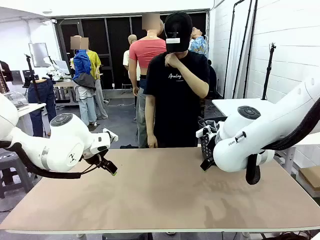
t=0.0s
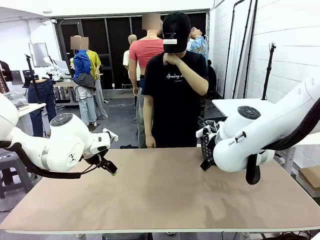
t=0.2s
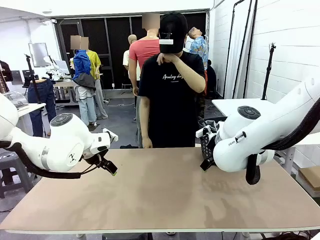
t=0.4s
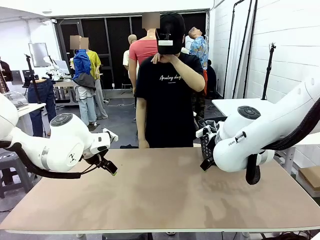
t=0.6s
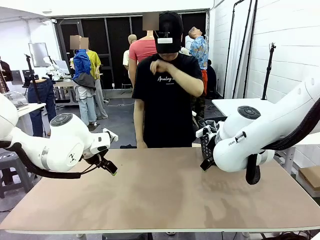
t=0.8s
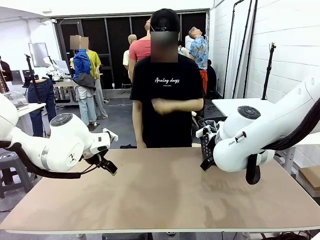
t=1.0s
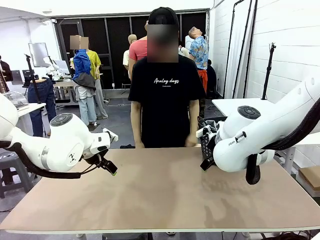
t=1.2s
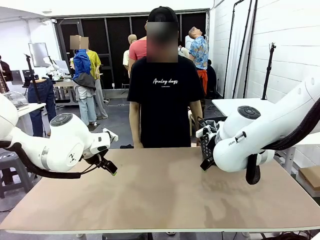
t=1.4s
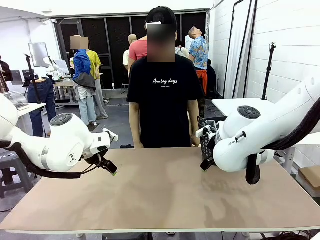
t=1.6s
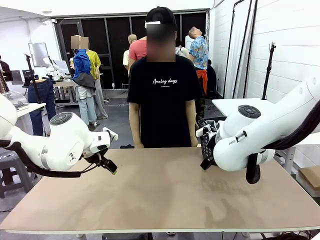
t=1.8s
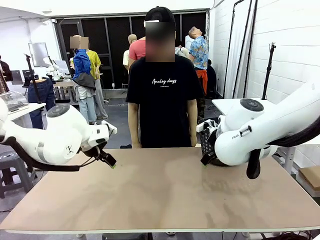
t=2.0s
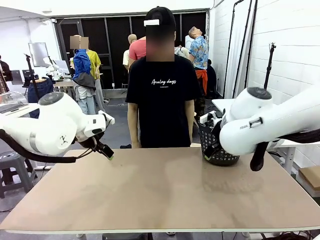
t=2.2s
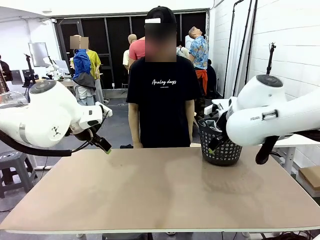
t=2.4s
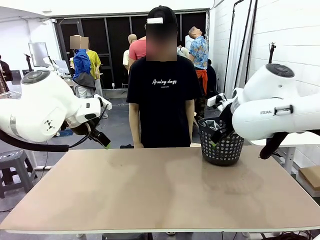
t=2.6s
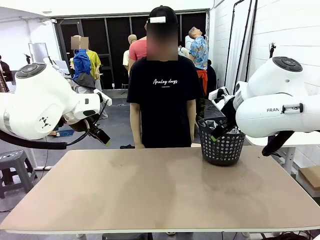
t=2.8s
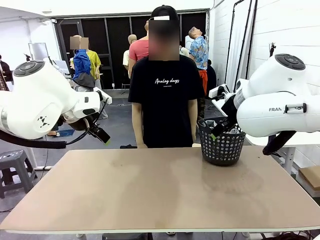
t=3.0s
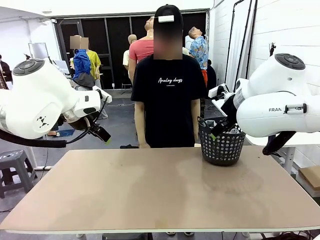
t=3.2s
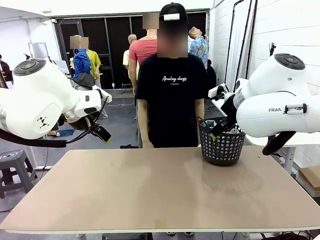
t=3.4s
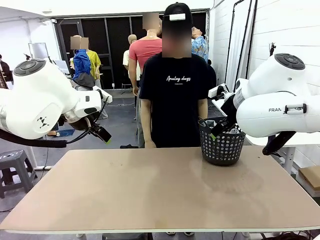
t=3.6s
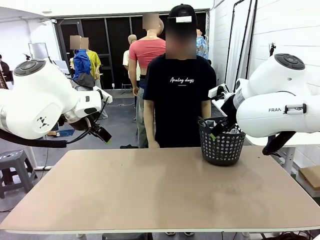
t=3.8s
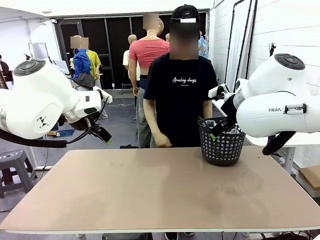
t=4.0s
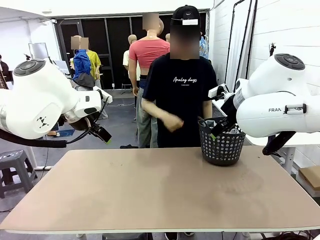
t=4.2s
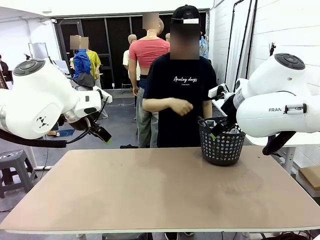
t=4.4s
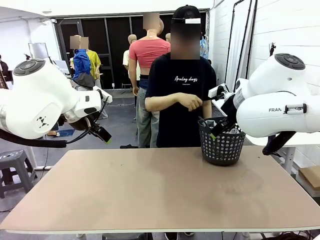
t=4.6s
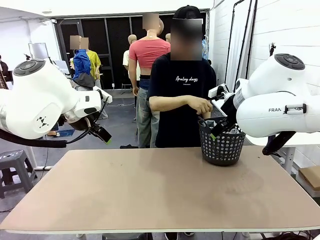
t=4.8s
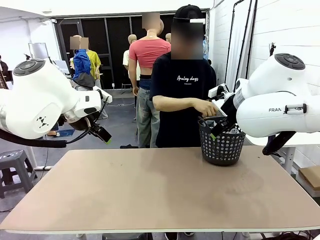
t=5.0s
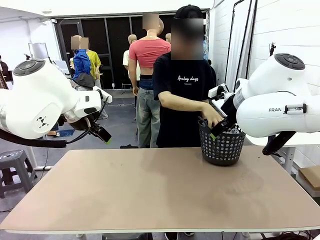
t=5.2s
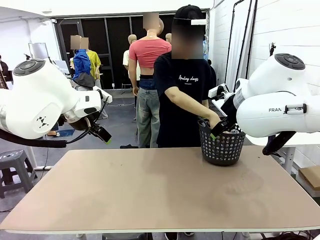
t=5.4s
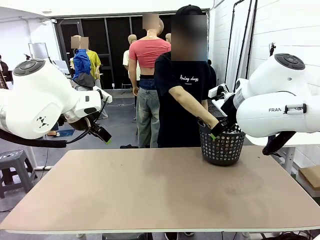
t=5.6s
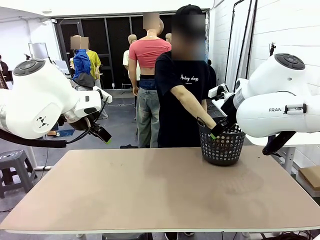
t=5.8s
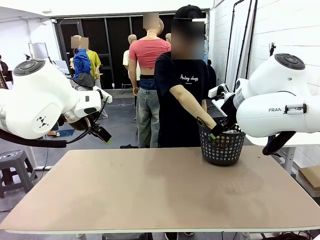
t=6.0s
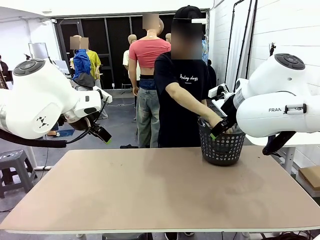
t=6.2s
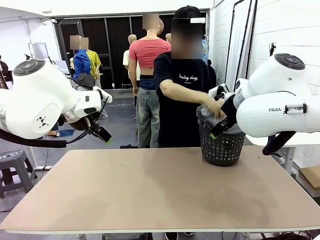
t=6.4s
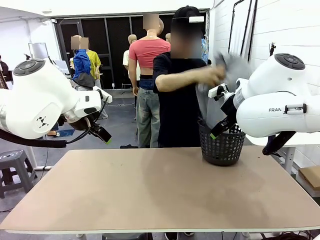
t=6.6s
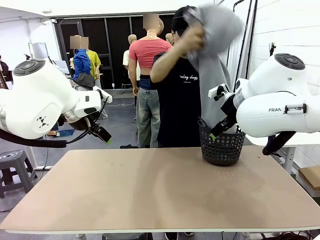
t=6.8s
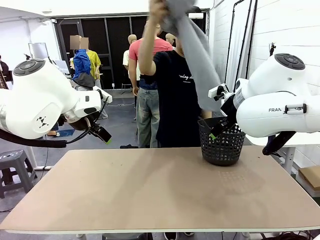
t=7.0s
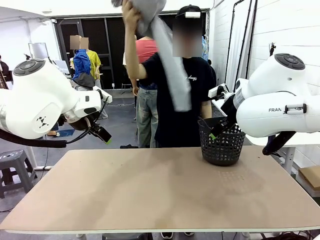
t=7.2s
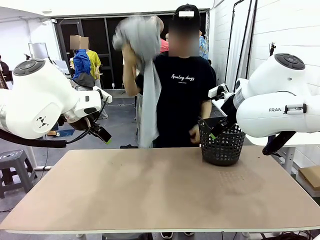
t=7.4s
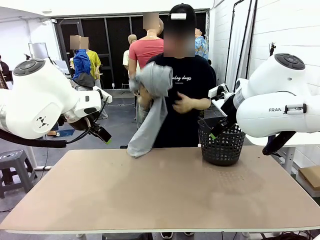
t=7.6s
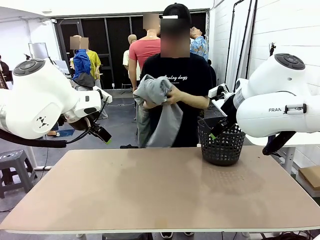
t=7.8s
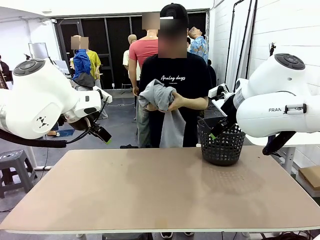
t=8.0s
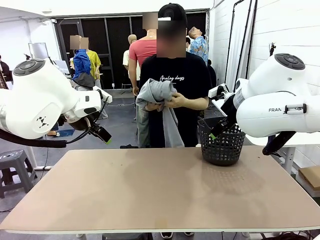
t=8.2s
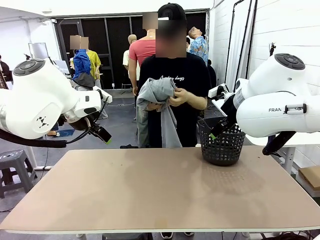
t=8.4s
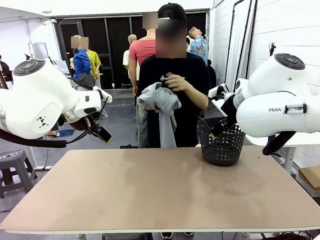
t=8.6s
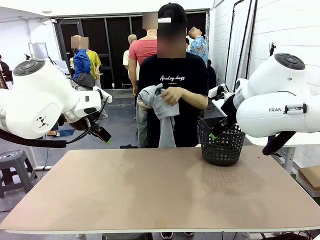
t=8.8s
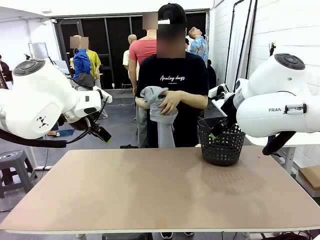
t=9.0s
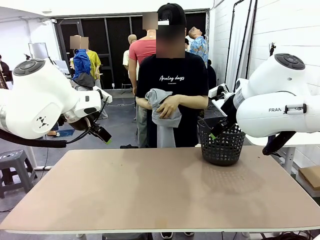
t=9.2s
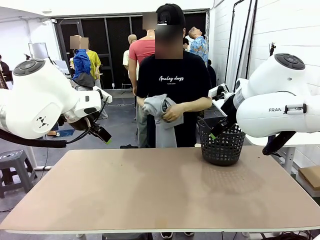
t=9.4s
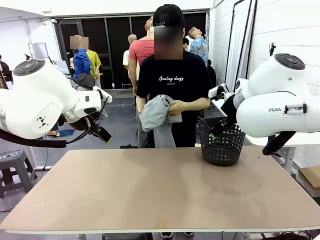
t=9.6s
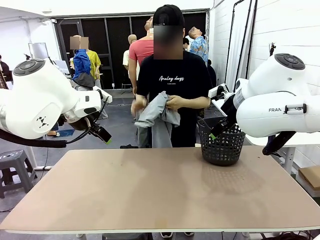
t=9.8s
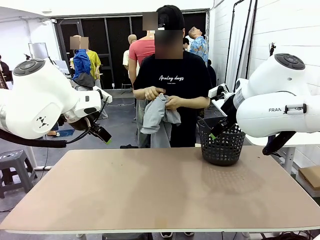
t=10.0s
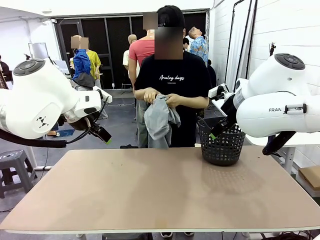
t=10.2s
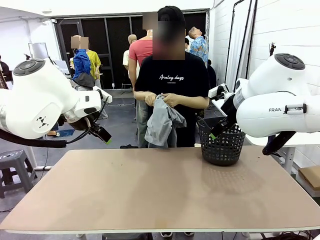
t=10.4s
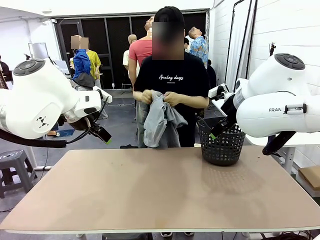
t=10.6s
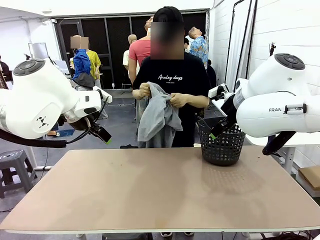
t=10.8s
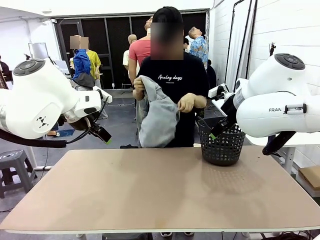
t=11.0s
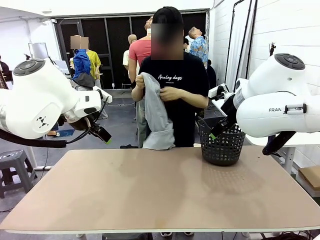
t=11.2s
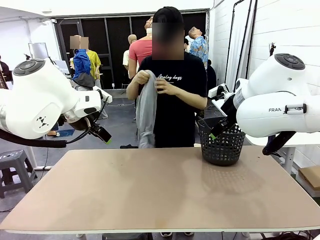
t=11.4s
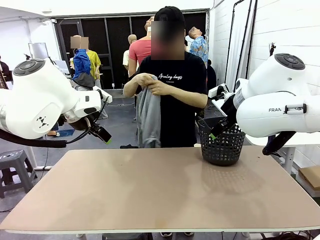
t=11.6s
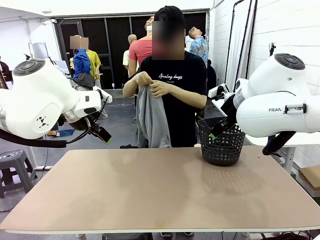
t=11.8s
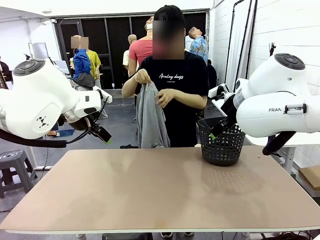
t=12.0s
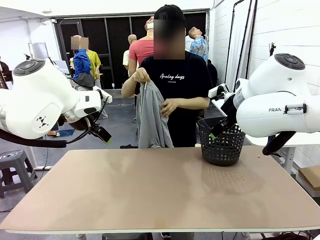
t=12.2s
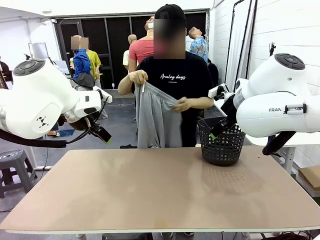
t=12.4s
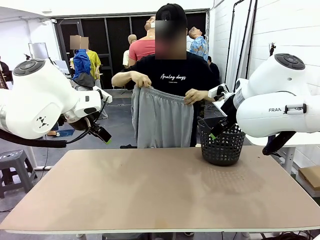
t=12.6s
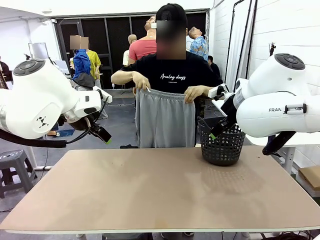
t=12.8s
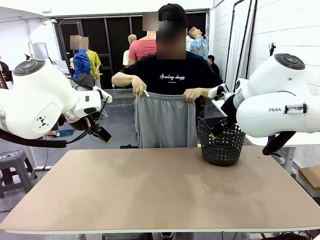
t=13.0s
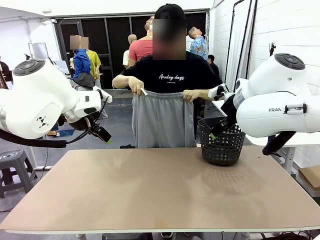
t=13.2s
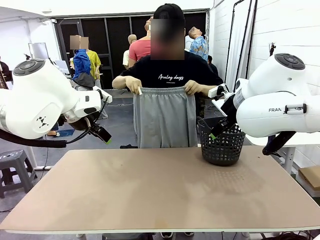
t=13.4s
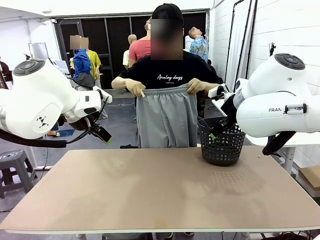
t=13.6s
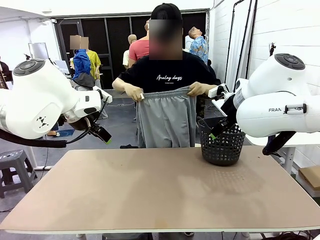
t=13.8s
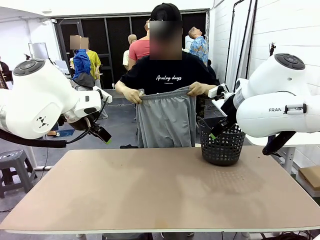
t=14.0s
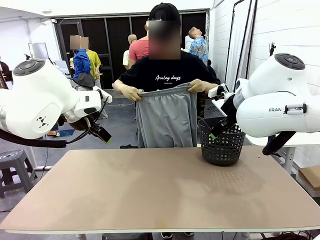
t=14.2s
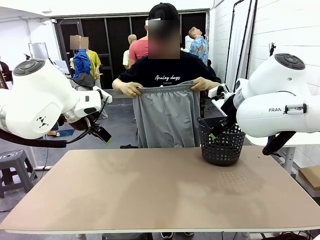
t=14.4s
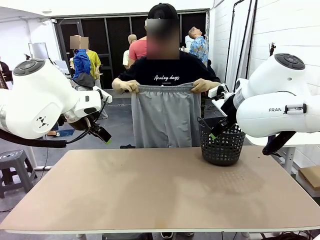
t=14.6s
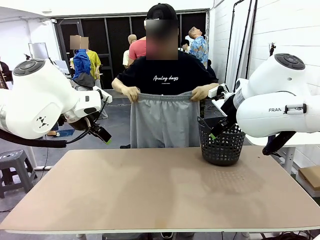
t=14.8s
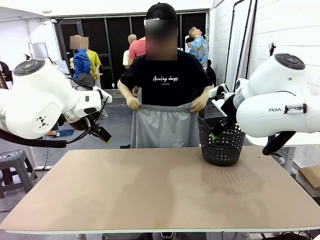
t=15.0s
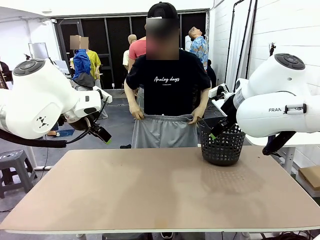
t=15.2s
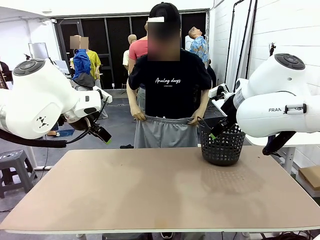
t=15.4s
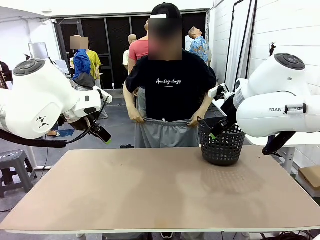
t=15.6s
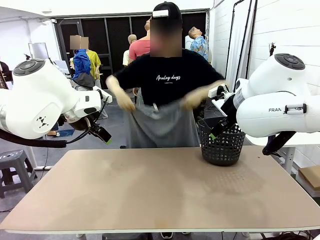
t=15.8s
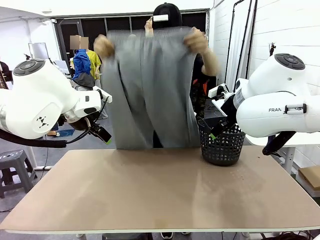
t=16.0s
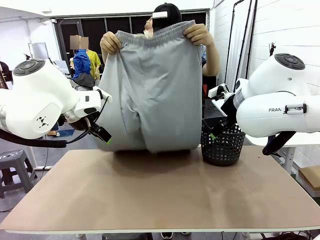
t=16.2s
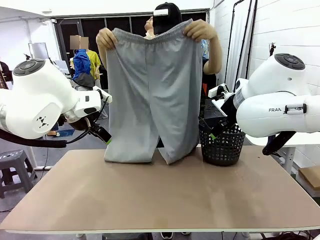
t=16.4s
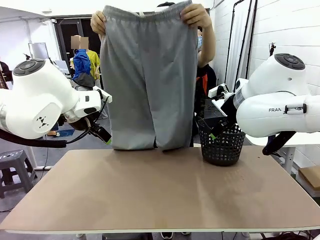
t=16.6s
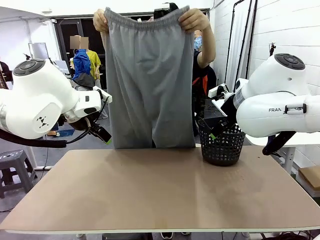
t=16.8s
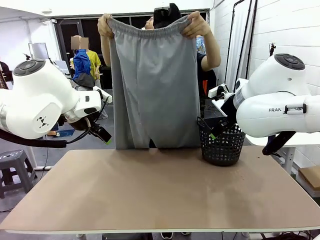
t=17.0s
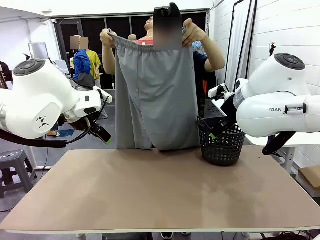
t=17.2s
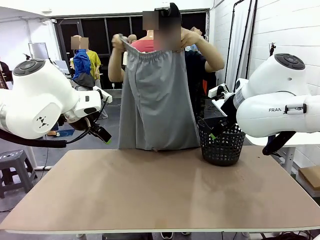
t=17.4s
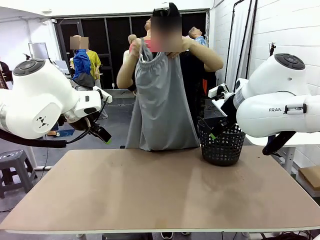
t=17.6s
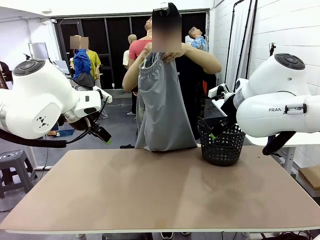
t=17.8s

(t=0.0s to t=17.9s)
Task: Fold the training pants.
Robot: Grab both ends of the Training pants handed by a person.
Person: Take the long pants out of the laundry basket, unfold them, fold the waist in half, and extend them so the robot can pick up both corners.
